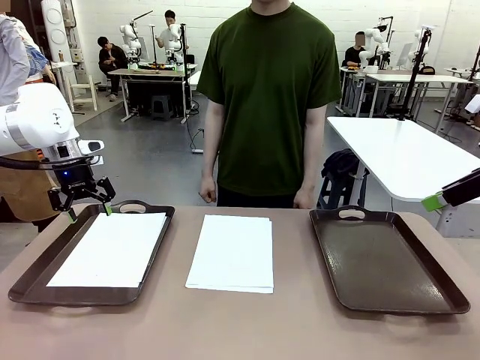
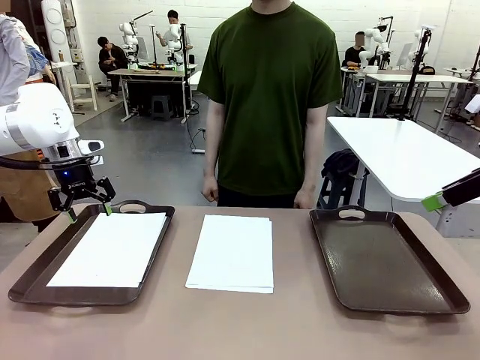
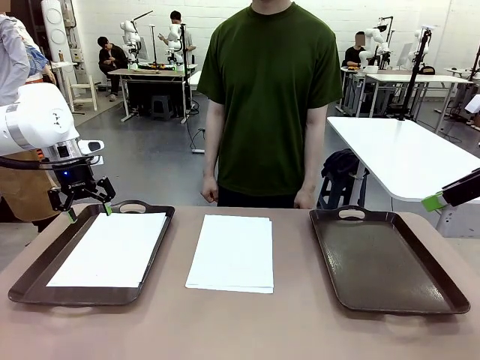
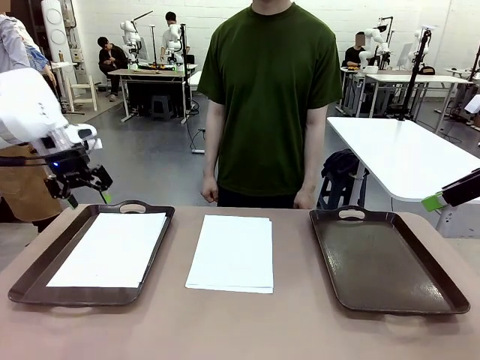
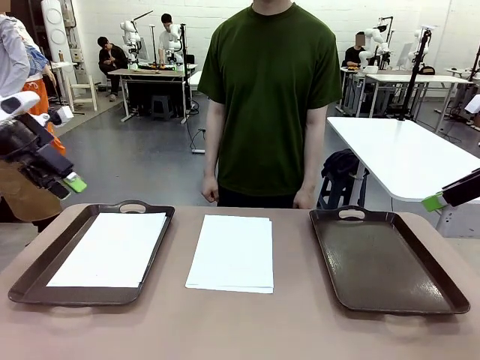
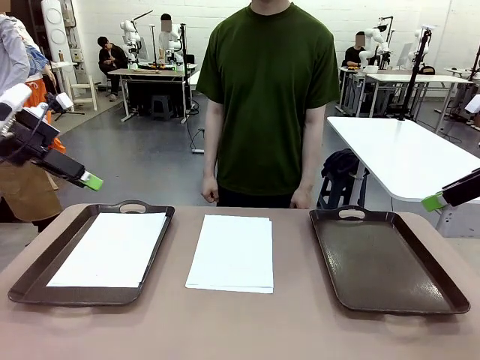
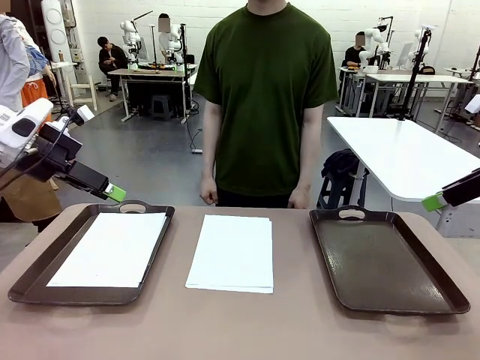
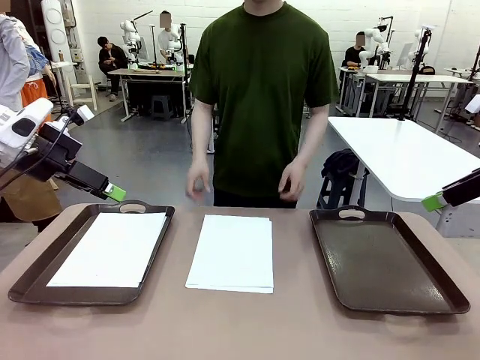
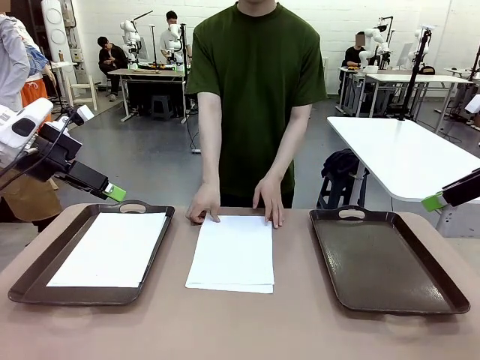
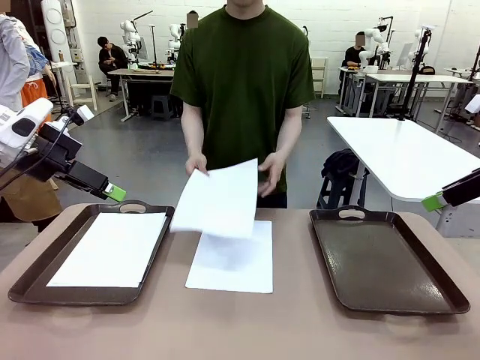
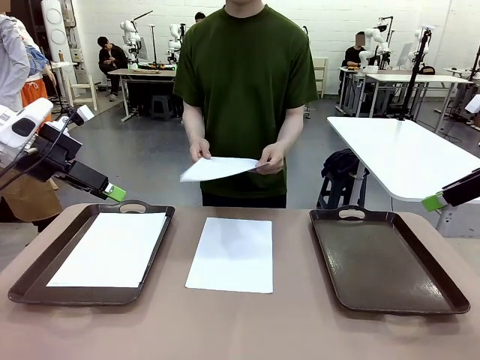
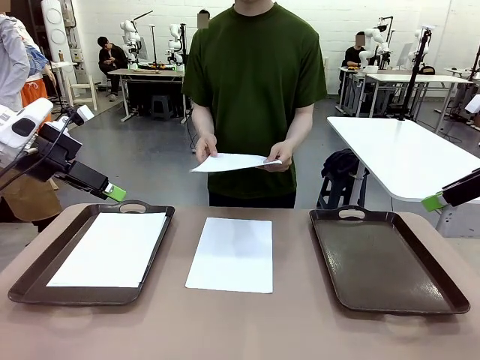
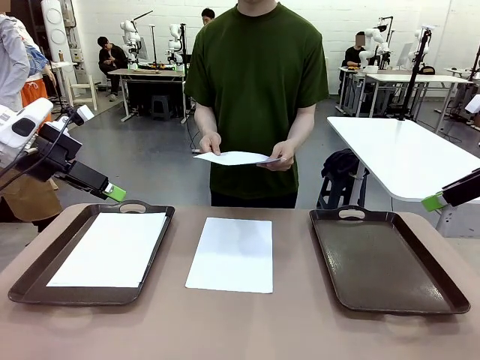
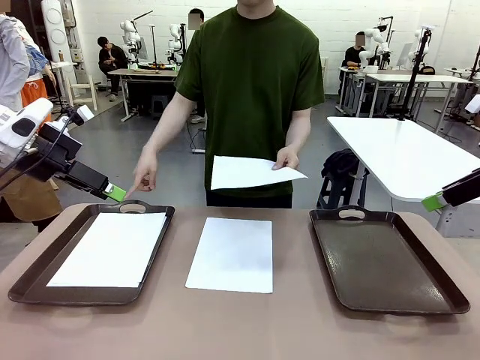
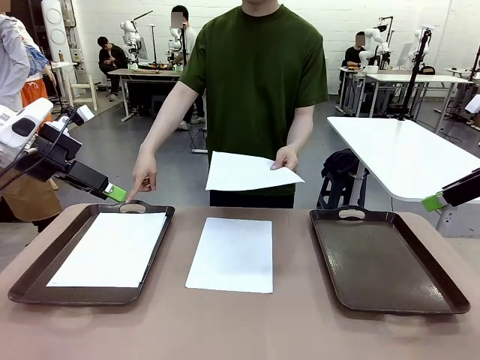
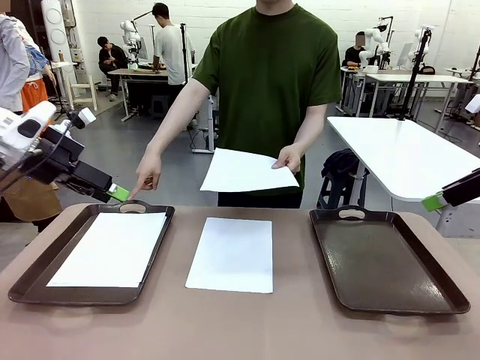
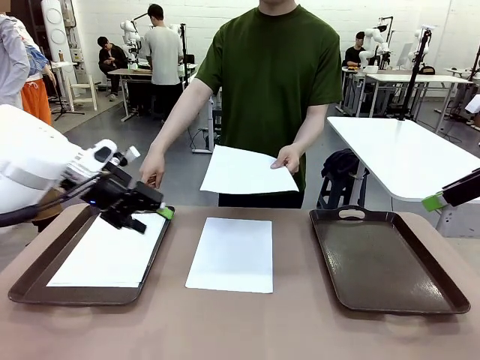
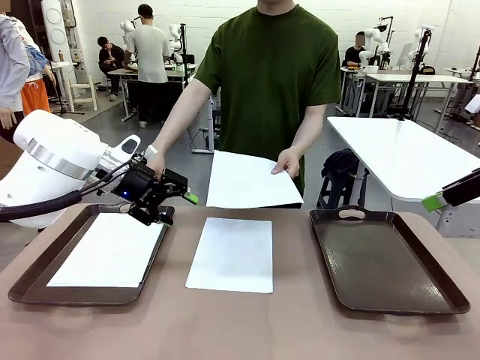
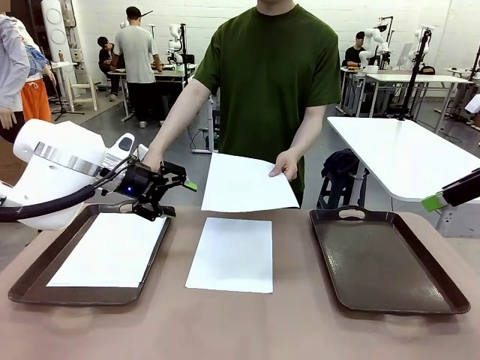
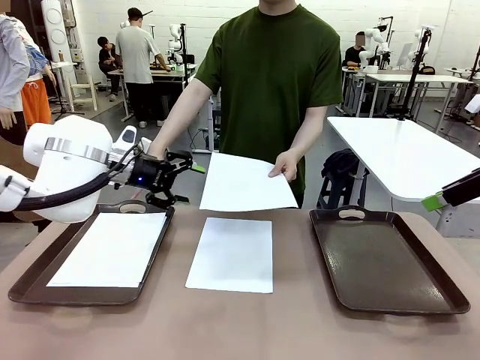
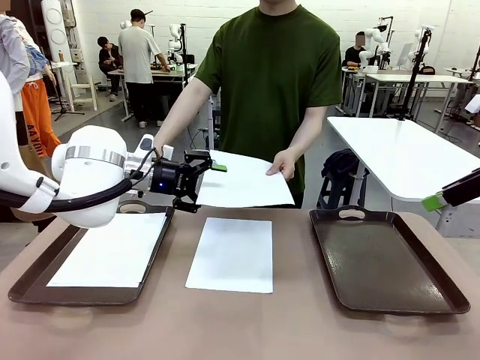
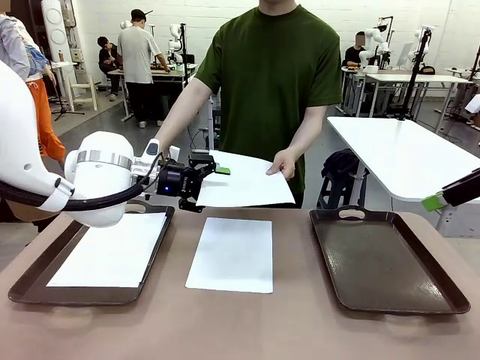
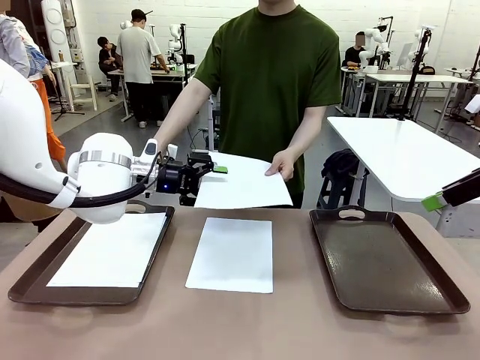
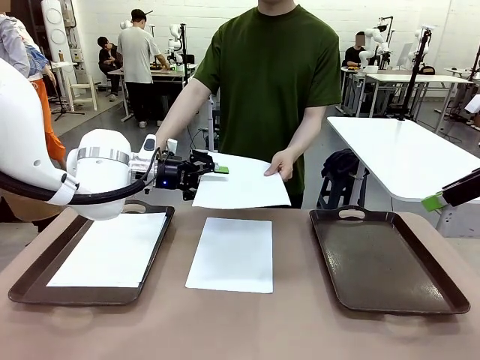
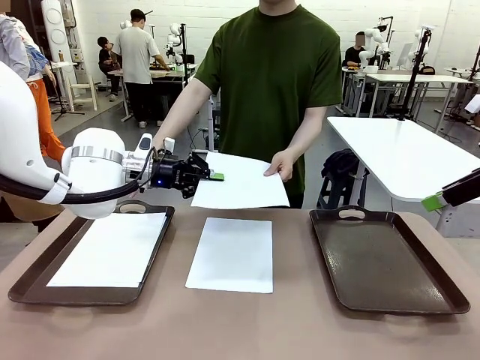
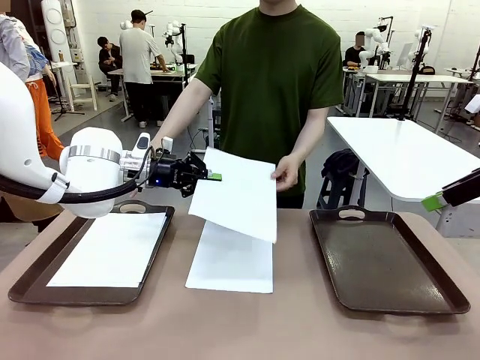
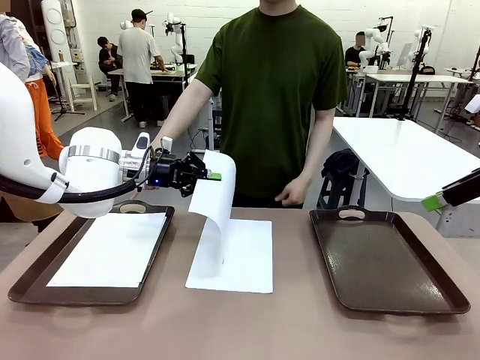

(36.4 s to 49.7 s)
Task: Sort the A4 documents.
Robot: Receive the A4 Paper.
Person: Point the randomly selected tray with the other hand.

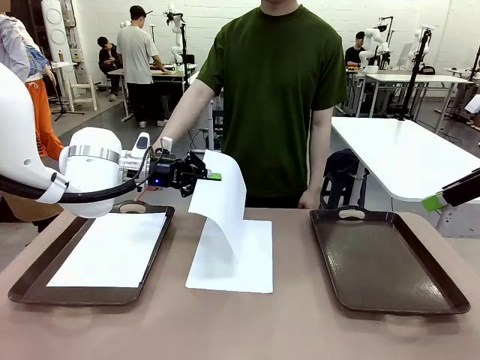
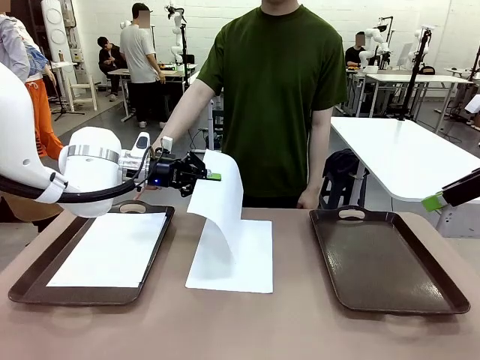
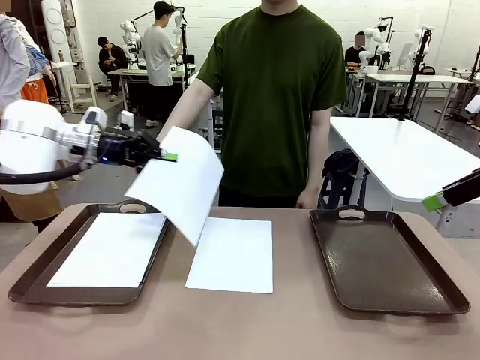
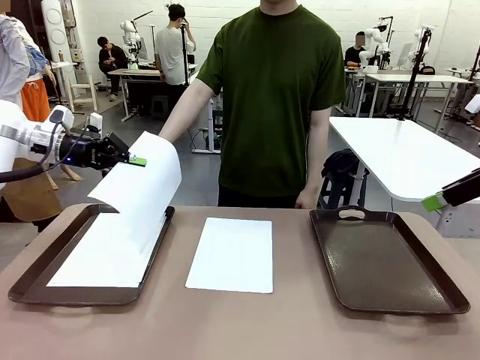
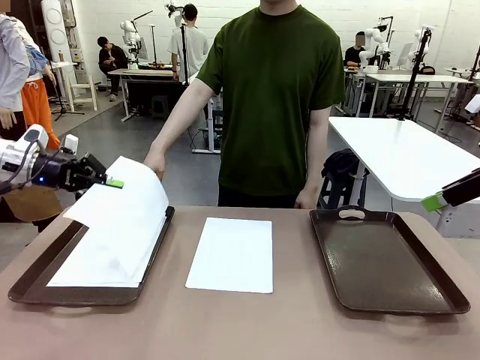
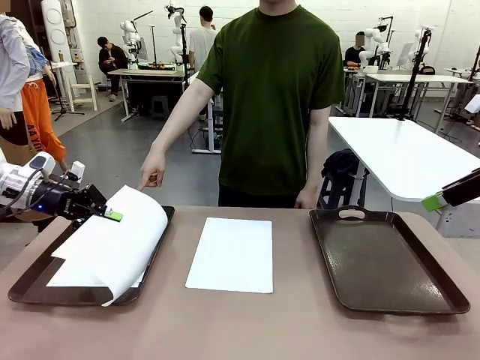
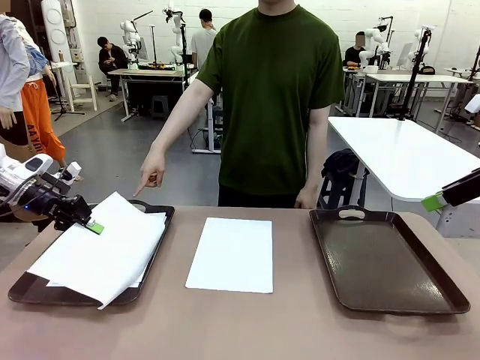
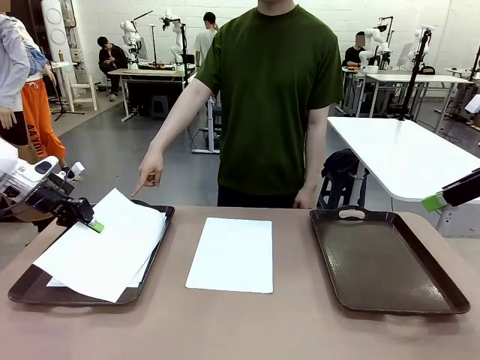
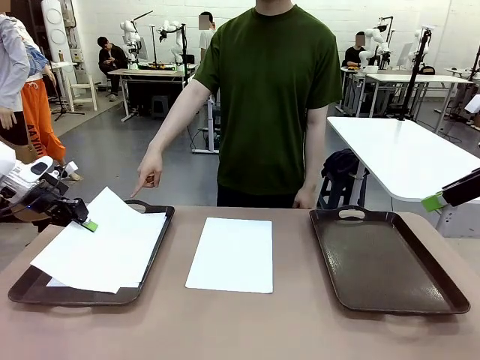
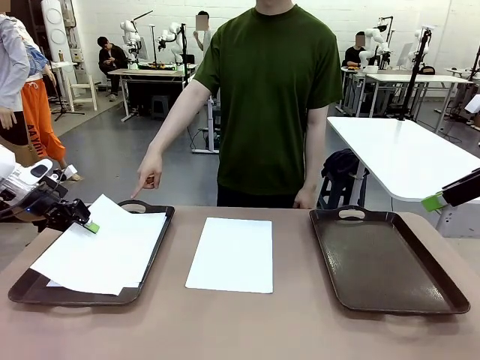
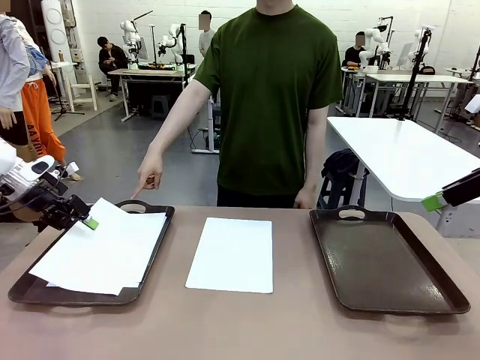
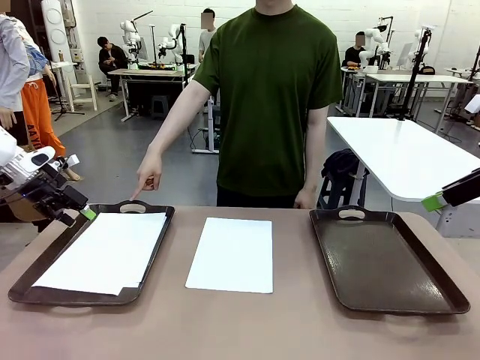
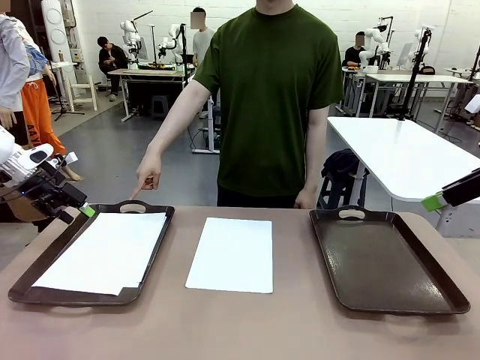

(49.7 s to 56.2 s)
Robot: Place the A4 Paper in the designated Handle tray.

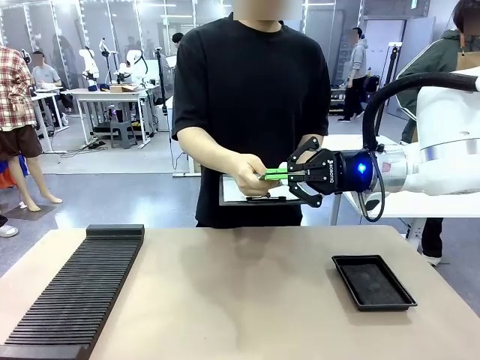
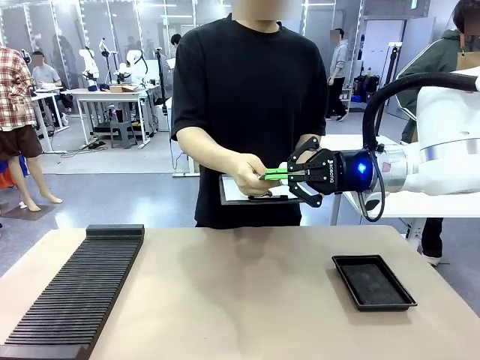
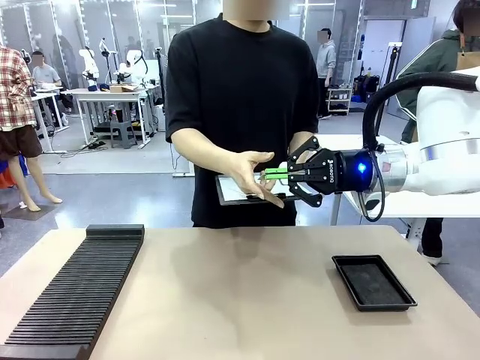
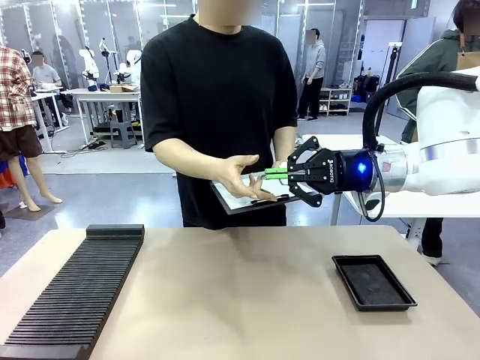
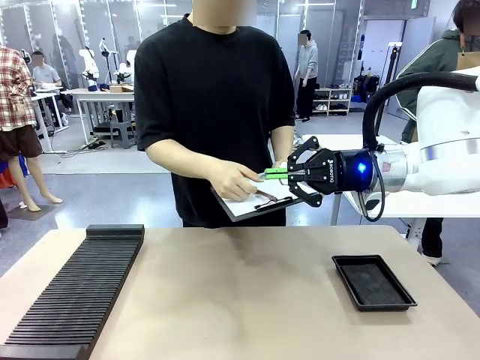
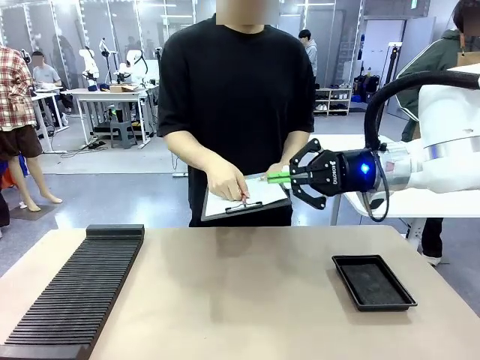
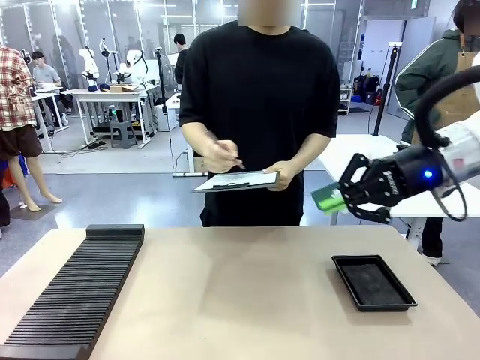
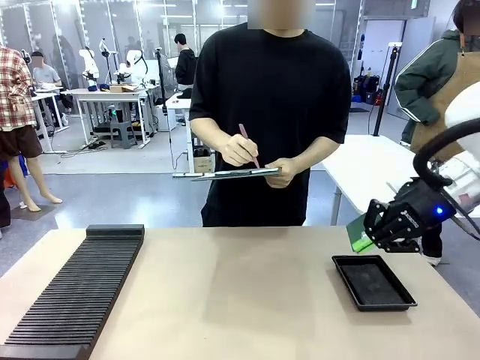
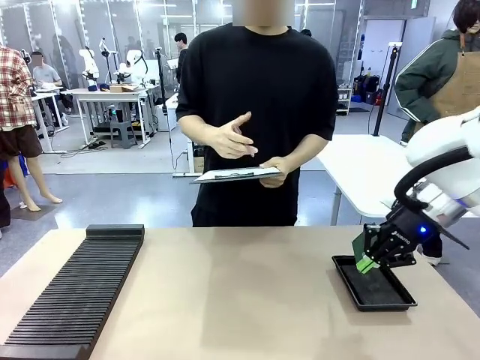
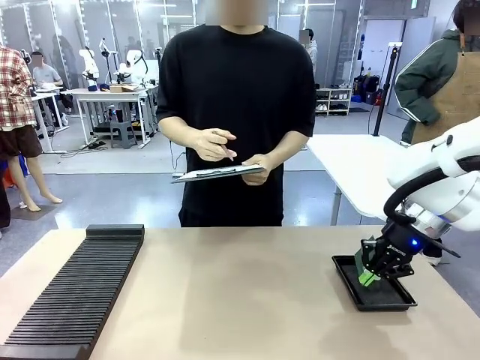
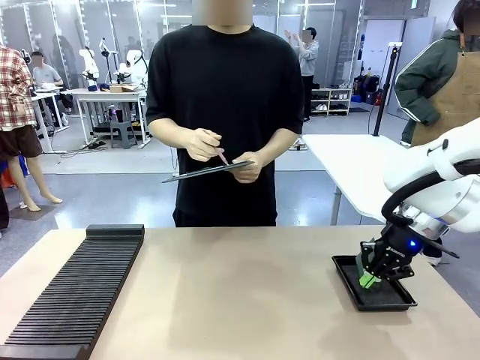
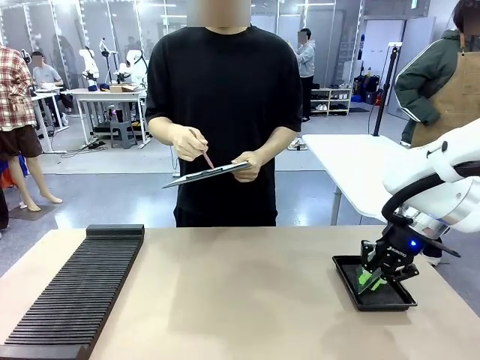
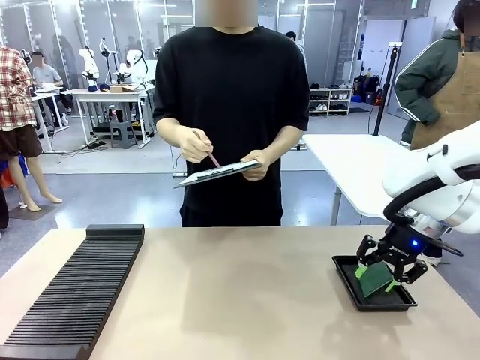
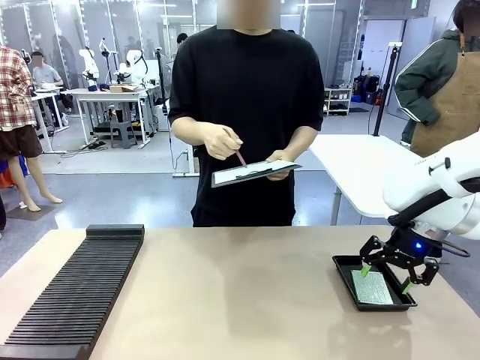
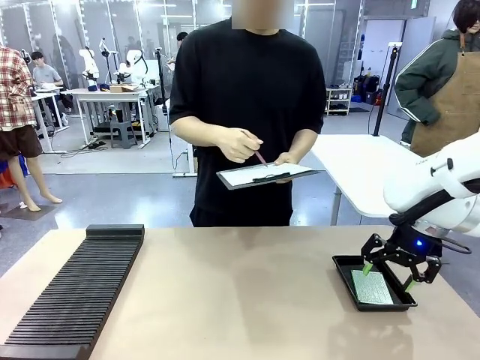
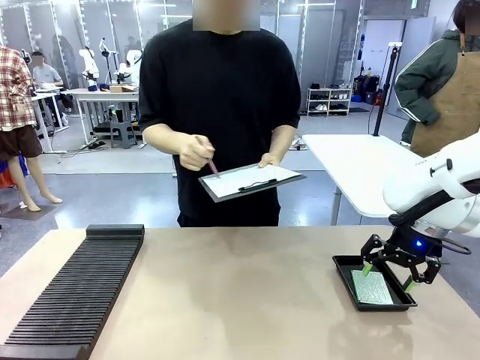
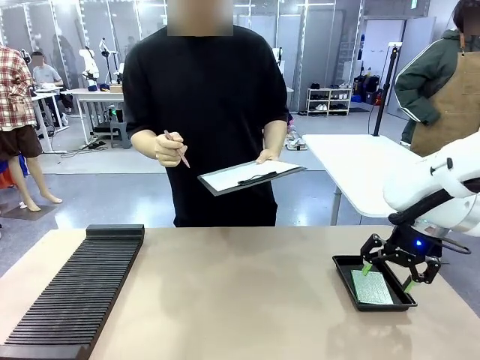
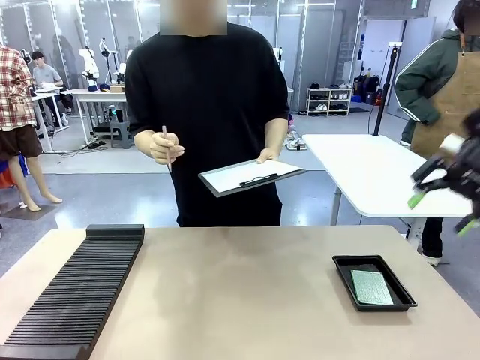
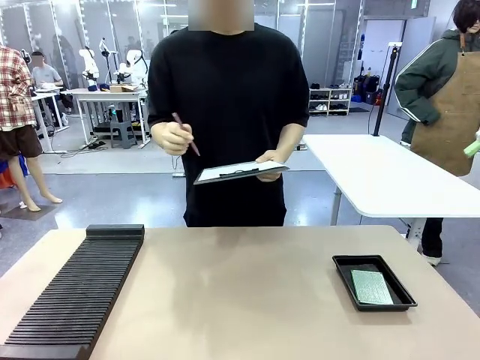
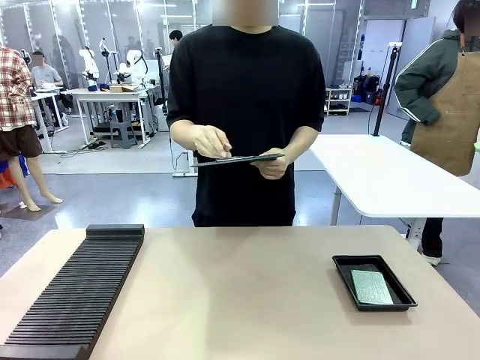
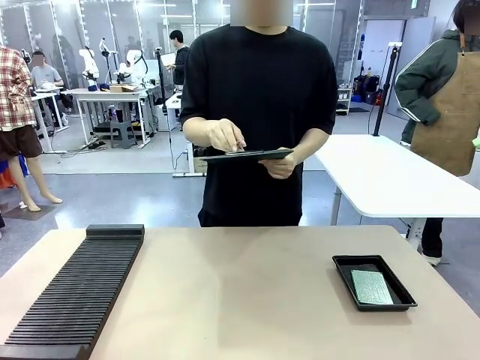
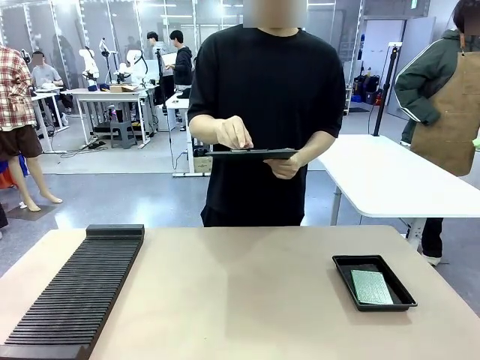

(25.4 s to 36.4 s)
Task: Inspect the PCB.
Robot: Place the Blank PCB in the ESD tray.
Person: Record the PCB status on the paper.
